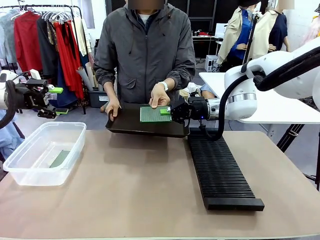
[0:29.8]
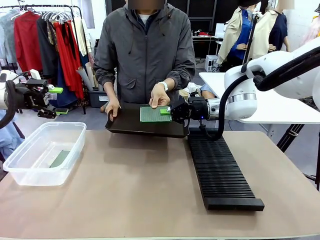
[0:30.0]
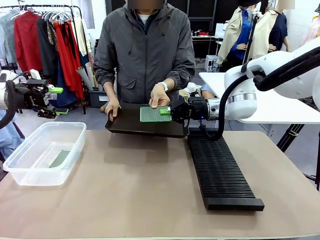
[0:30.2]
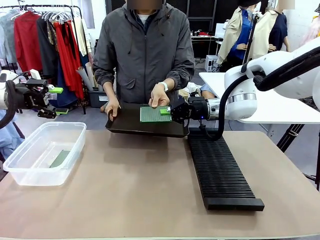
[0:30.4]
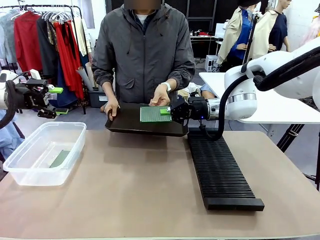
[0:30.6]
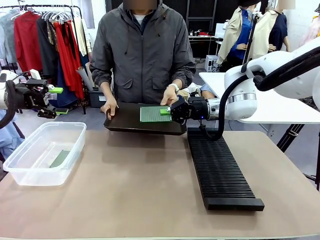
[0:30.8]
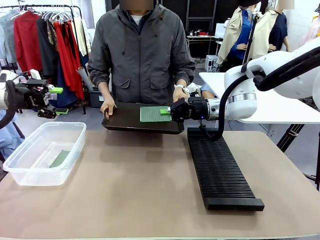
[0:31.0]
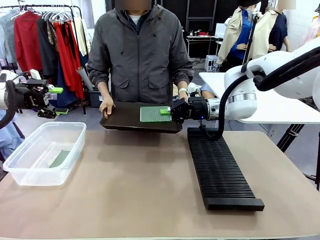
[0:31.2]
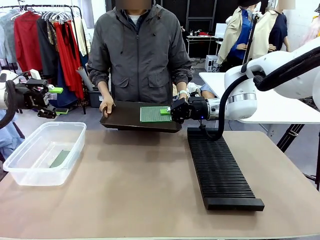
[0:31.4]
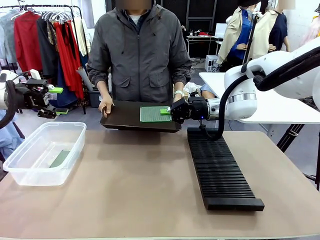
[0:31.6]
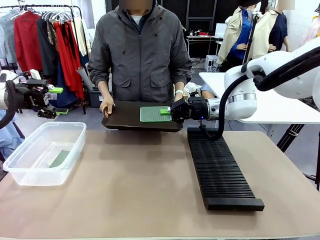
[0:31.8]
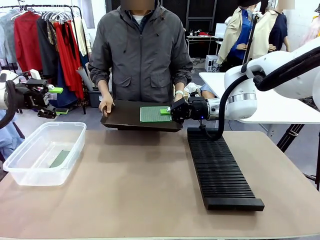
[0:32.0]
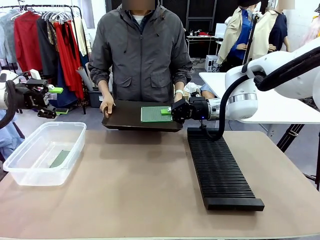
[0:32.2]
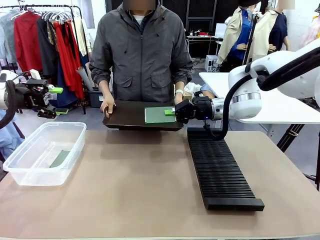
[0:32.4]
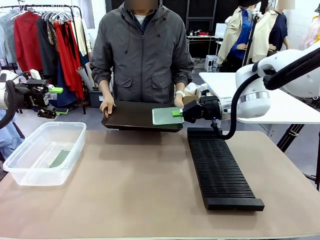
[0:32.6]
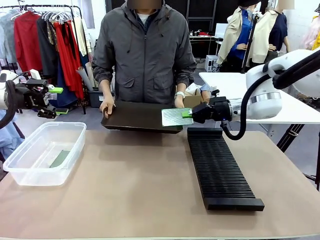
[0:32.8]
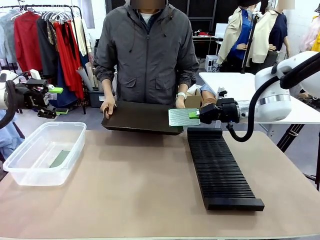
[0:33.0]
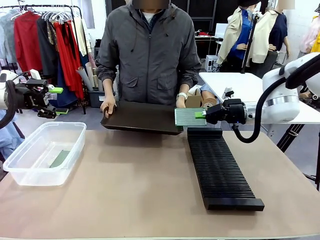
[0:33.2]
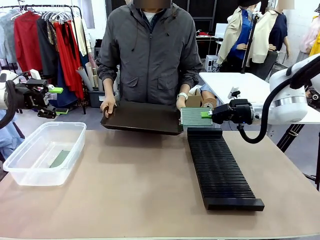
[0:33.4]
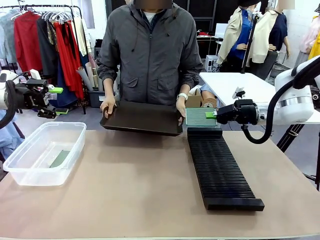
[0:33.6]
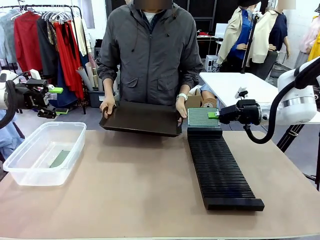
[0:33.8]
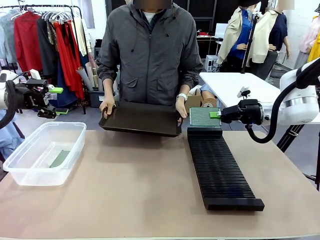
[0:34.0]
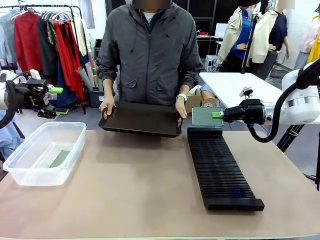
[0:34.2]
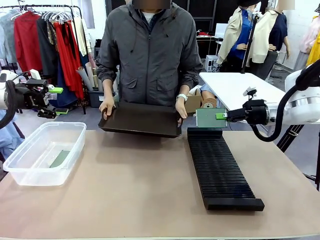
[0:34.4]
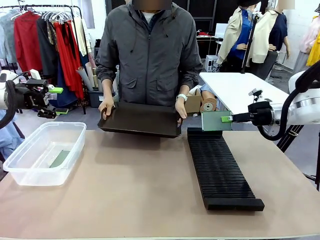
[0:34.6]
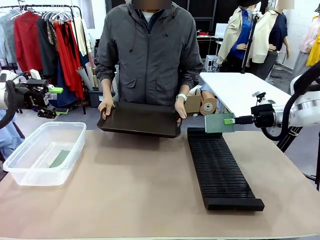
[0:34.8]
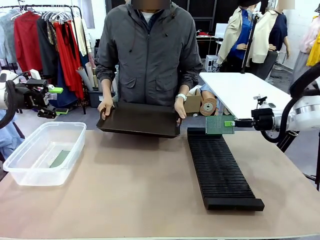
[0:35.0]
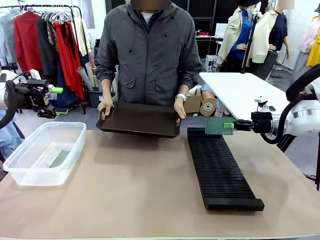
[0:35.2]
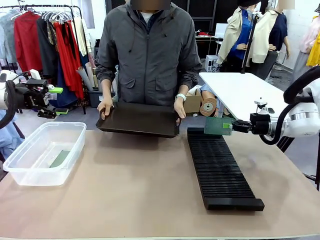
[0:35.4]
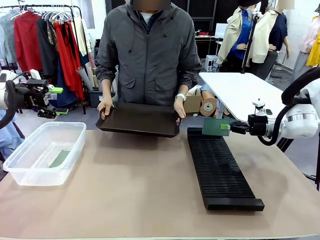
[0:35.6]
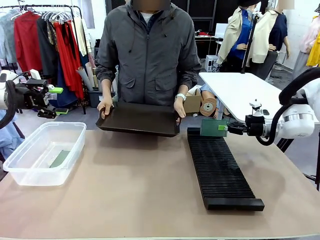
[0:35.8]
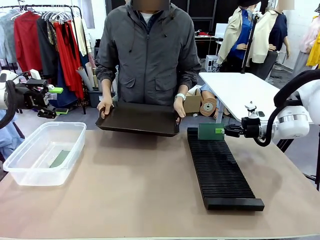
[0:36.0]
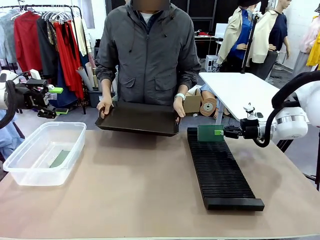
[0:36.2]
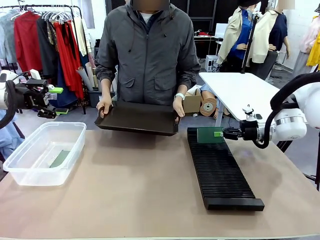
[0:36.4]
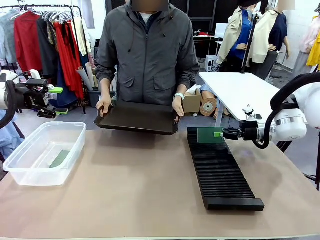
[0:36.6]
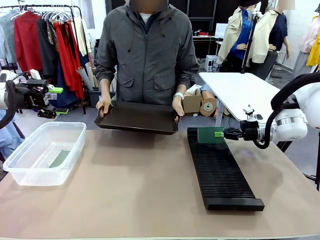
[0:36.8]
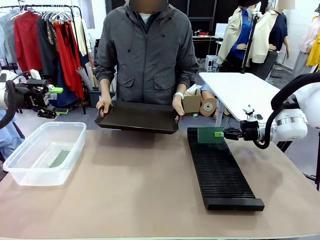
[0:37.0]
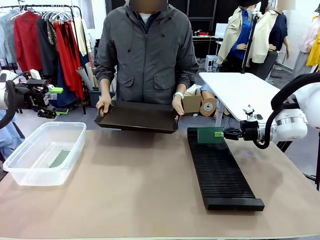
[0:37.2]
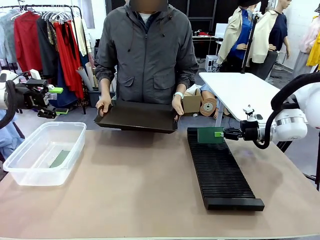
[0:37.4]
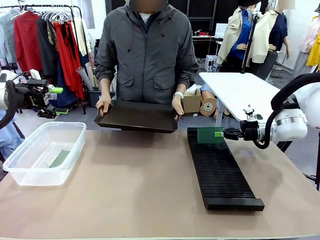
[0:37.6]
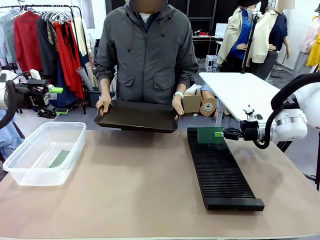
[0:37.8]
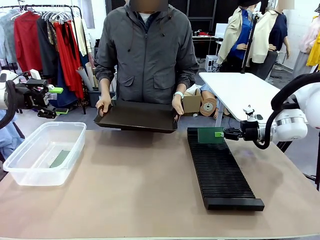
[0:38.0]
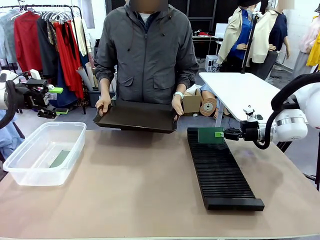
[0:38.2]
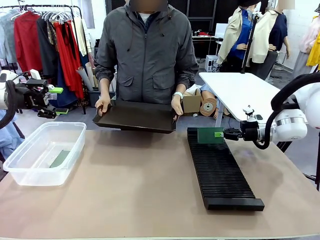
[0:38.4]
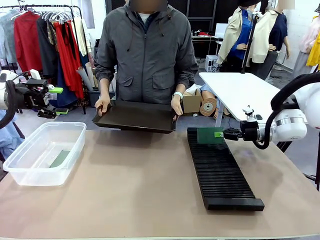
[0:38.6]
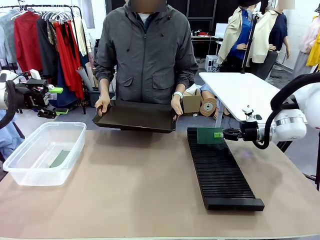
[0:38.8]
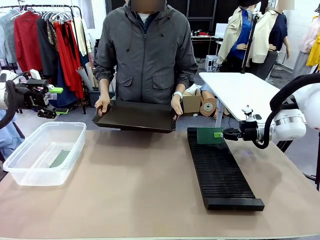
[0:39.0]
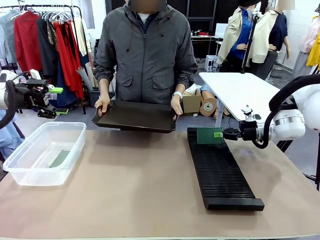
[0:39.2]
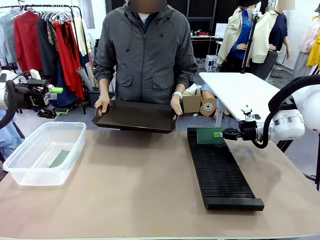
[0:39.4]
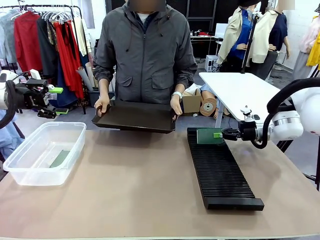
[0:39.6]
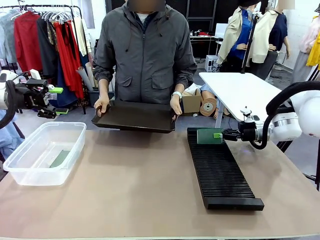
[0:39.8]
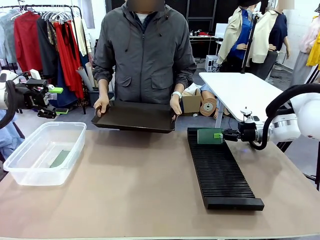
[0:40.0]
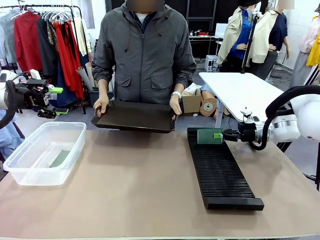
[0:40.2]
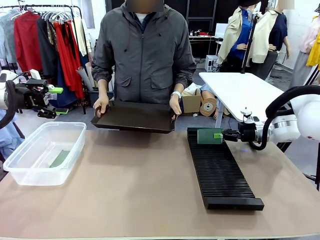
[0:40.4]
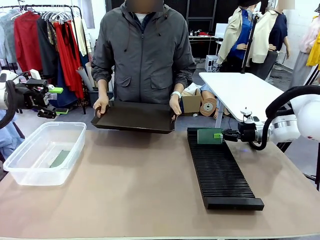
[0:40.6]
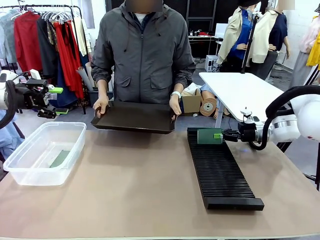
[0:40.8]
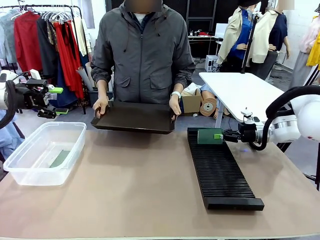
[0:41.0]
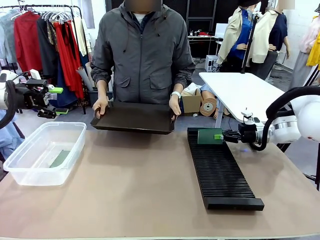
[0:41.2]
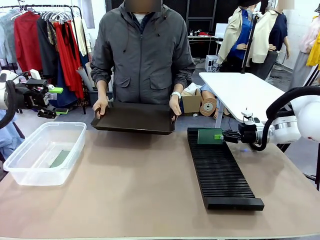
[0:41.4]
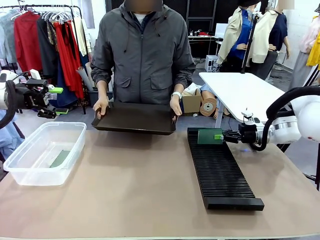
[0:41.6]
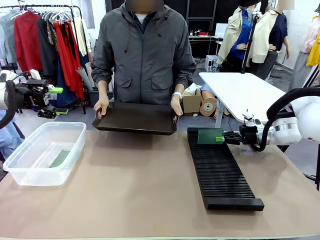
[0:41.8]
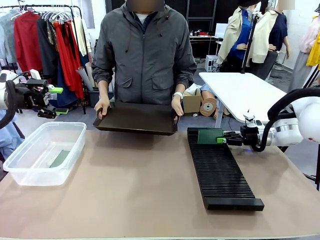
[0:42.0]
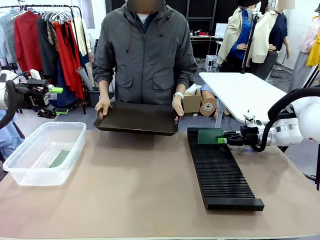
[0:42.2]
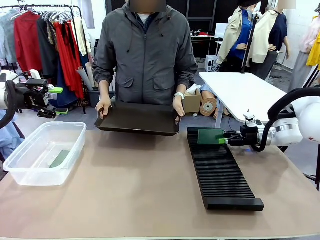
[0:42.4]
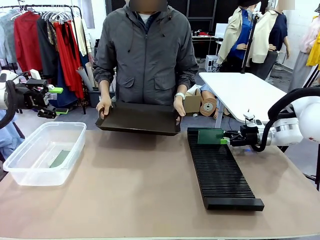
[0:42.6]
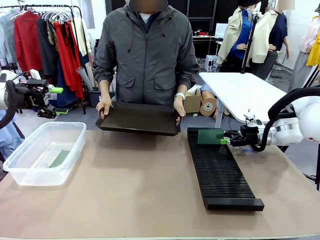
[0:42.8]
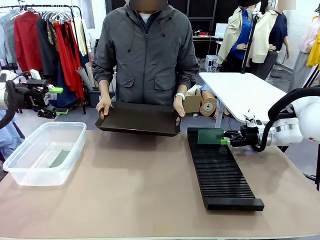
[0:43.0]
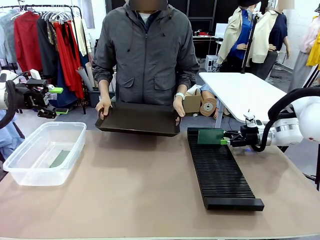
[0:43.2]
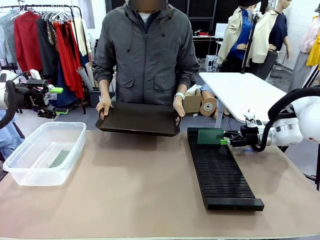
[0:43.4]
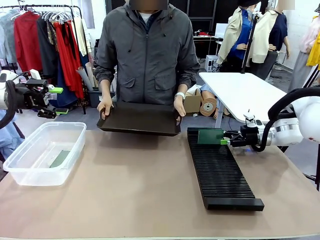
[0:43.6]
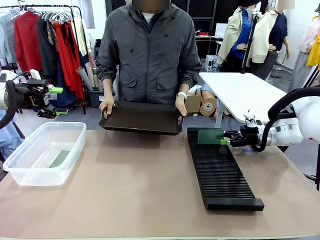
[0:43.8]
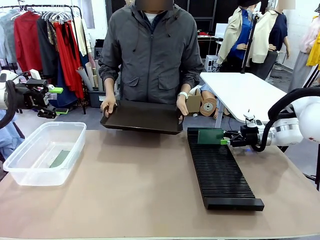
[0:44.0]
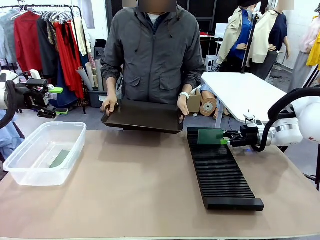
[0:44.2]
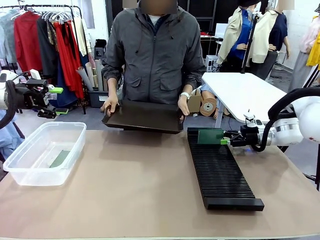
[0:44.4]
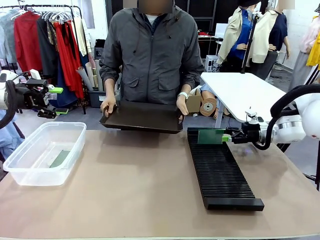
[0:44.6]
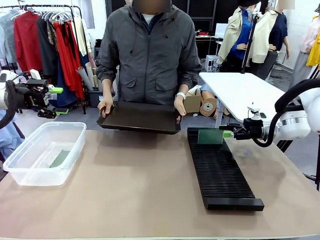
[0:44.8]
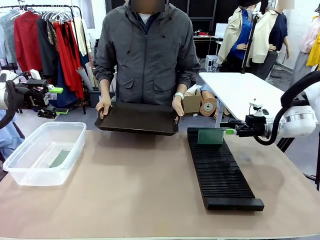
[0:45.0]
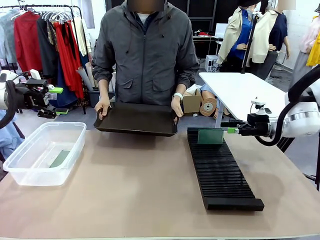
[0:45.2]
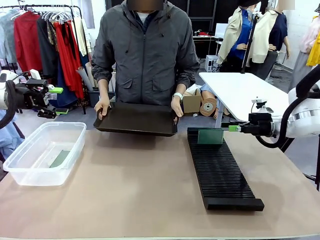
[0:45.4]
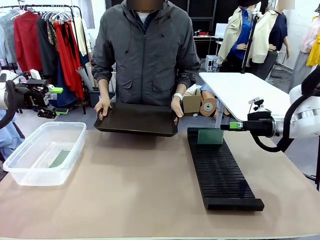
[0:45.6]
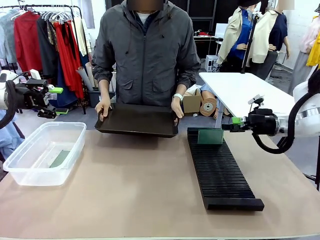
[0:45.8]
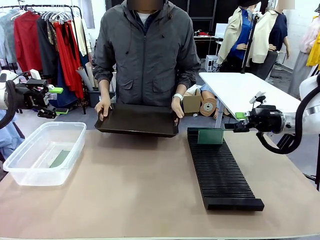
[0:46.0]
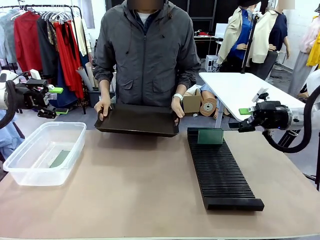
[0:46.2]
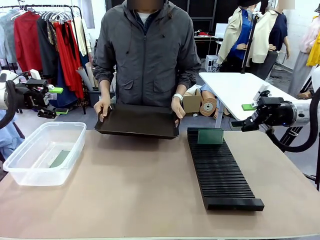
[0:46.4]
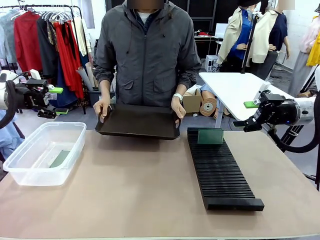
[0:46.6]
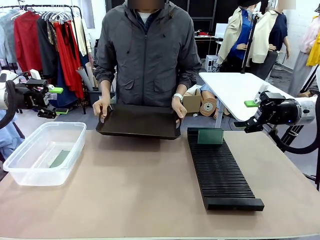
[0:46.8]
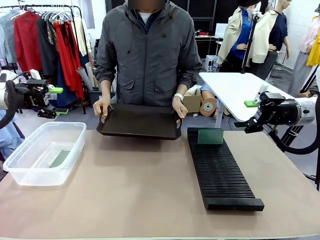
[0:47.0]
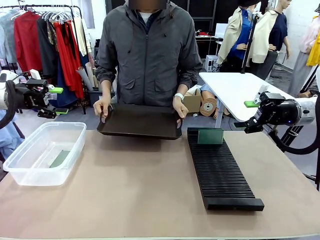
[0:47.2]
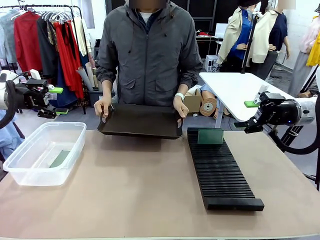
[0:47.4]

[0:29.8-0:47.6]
Task: Sort PCBs into racks and boxes based on the side picked up.
Robot: If the short side of the Blank PCB is picked up, insert it into the PCB Rack ; if the long side is picked up, place it in the Organizing box.
Person: Release the PCB being held.
